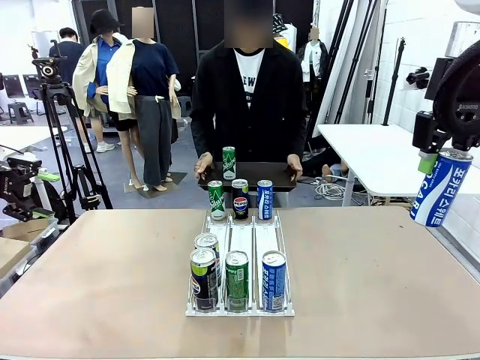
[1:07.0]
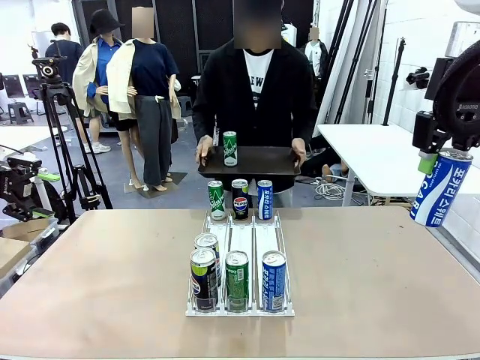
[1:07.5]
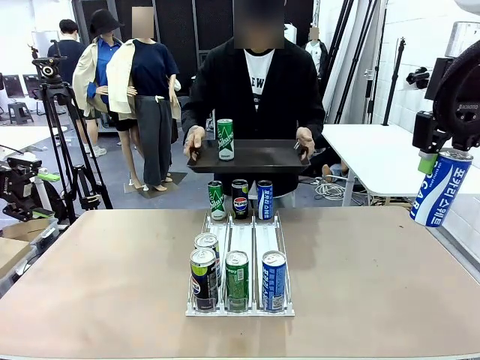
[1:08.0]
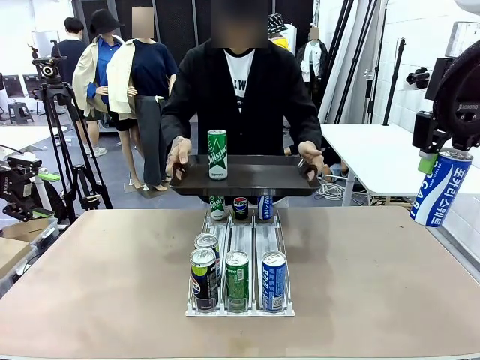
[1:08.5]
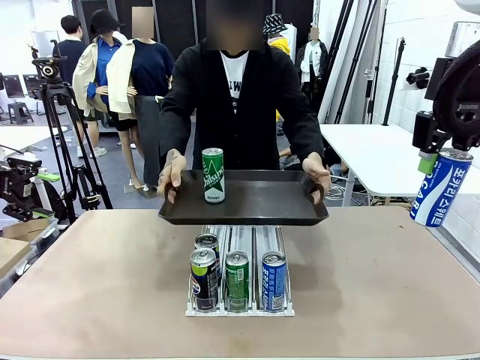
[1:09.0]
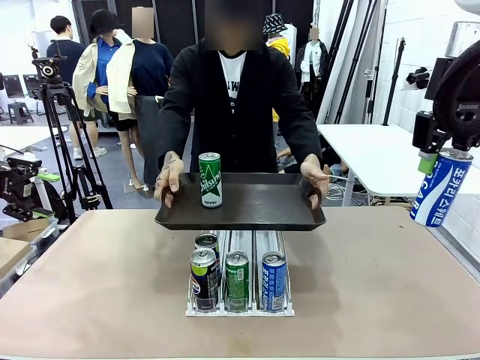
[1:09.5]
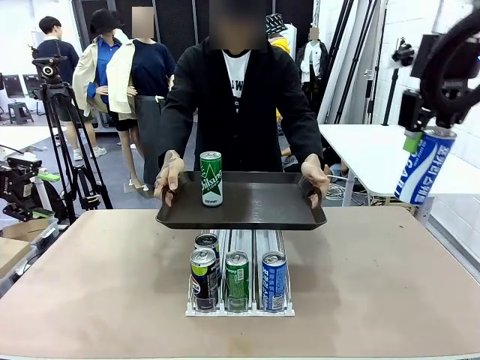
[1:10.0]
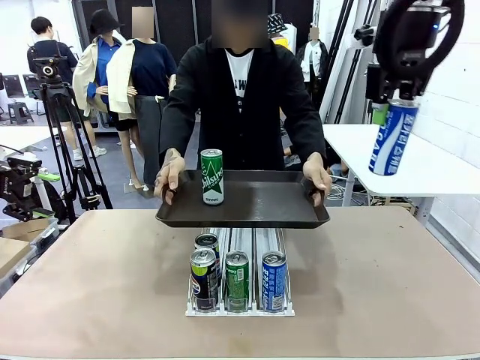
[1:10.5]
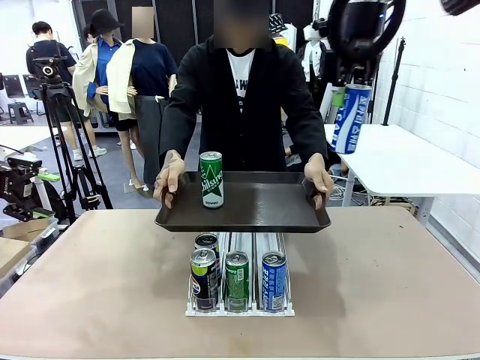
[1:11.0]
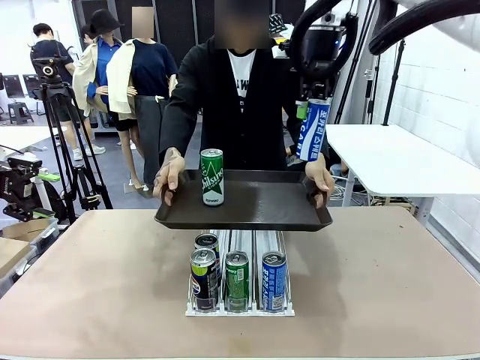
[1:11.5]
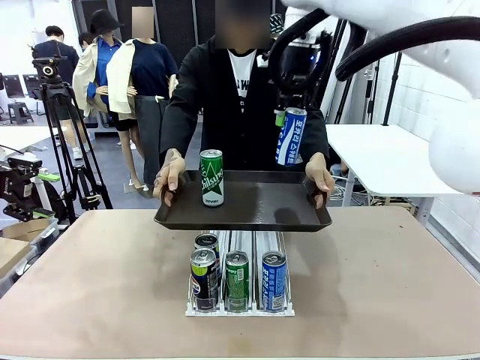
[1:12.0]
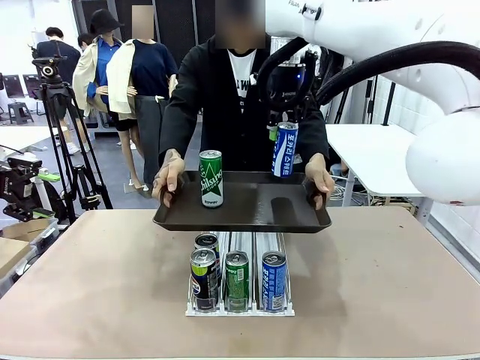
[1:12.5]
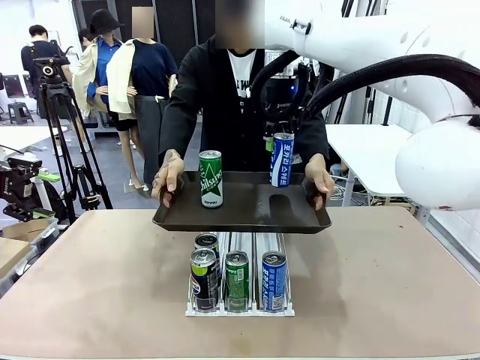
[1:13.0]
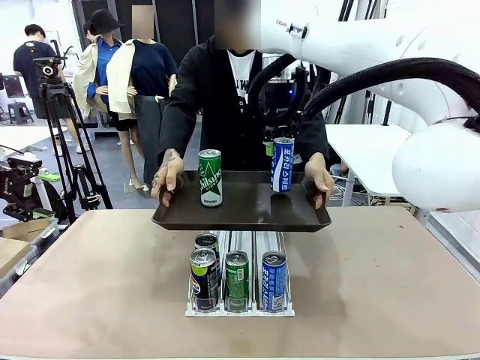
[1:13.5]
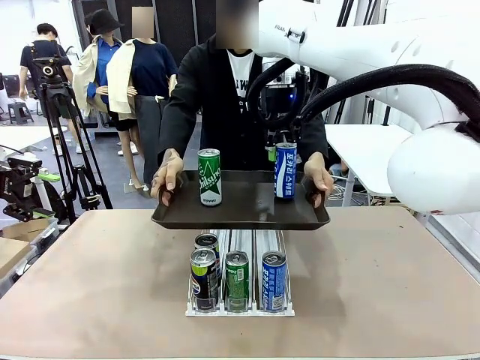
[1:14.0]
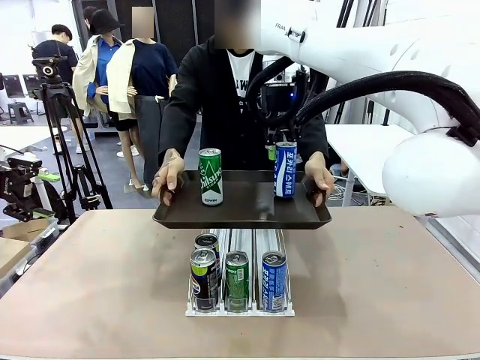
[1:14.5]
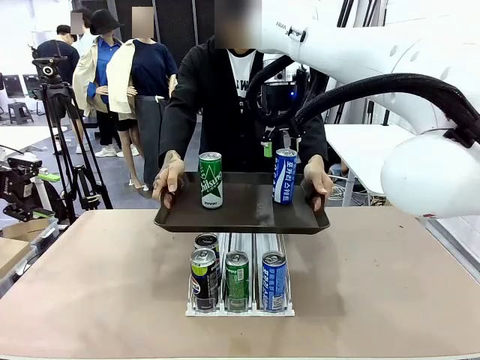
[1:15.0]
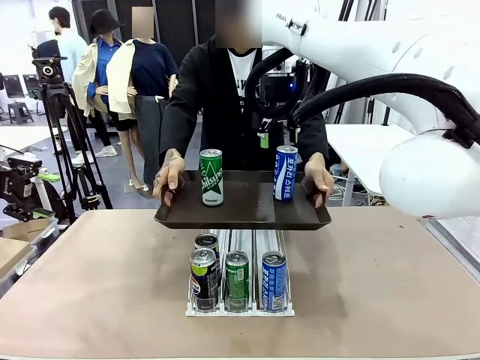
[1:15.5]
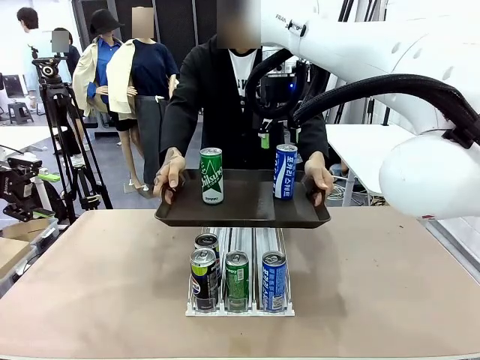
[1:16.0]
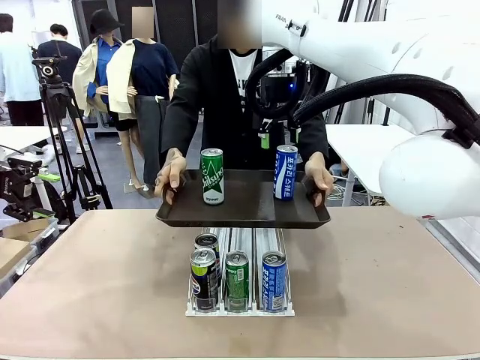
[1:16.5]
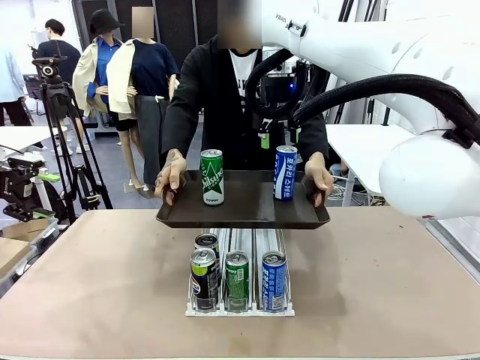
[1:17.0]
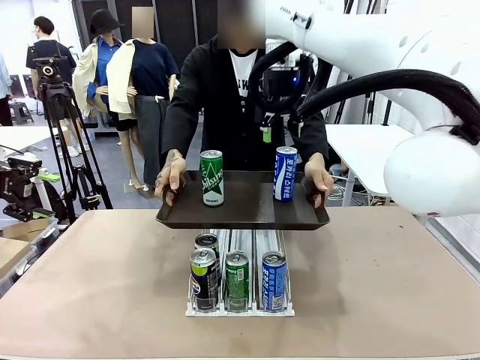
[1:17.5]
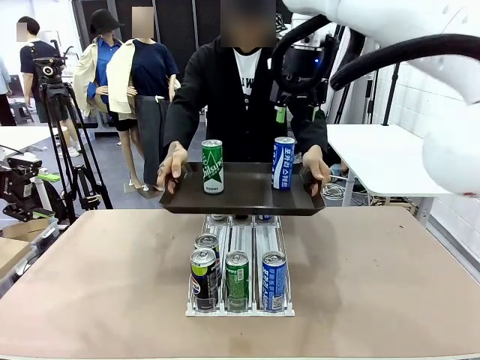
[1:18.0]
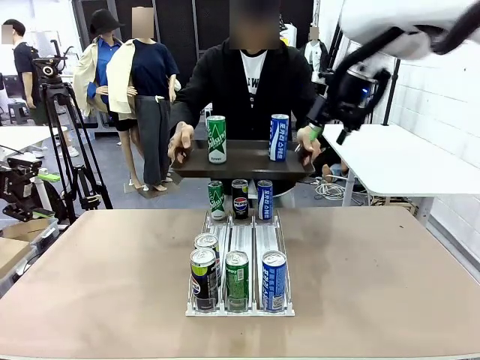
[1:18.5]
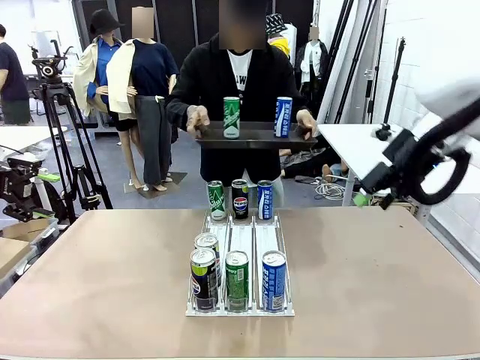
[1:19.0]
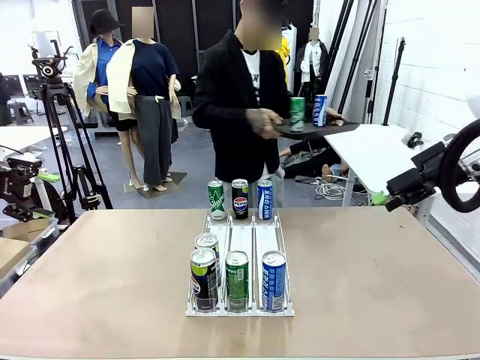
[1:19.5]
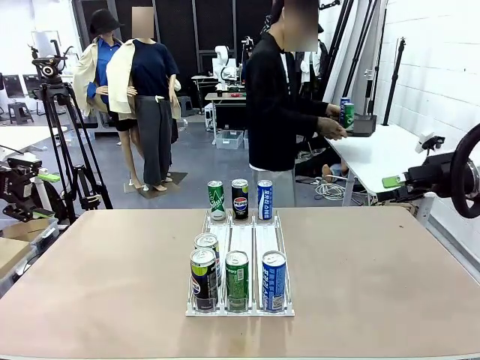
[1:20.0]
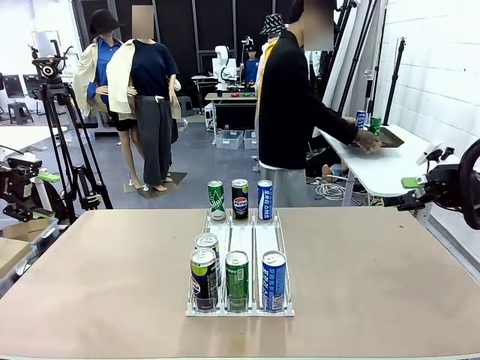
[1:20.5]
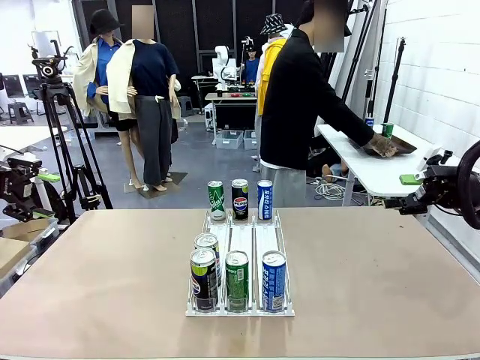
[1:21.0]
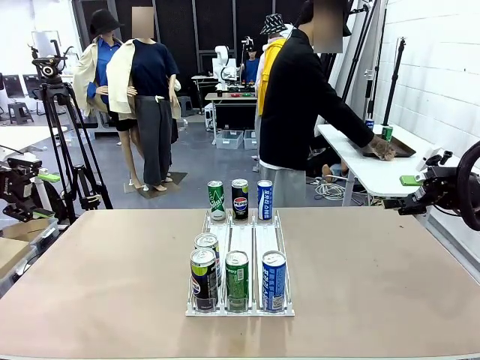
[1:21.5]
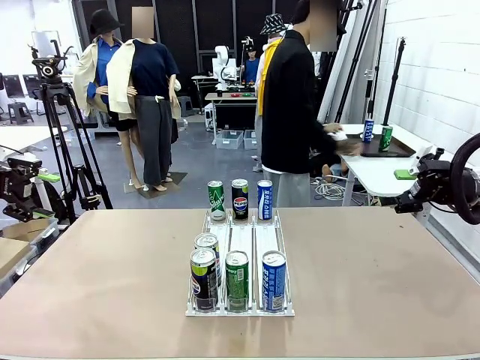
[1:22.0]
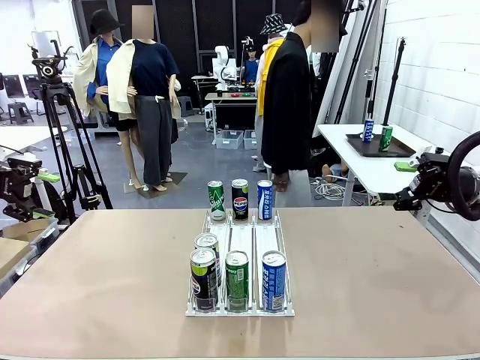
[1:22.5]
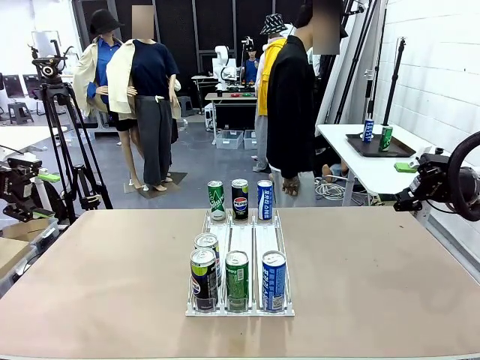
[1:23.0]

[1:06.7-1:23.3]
Task: Retrieve and hand over the desired beverage to the person.
Robot: Place the picked can on the Handle tray extended by the person.
Person: Pull the tray back and place it at the center of the human table.

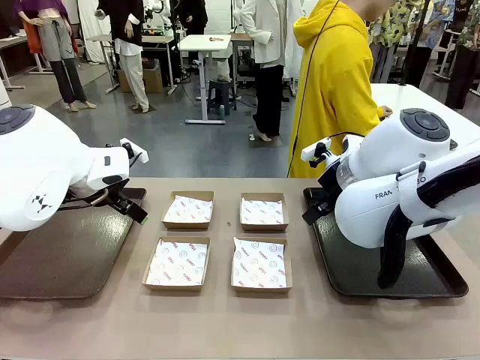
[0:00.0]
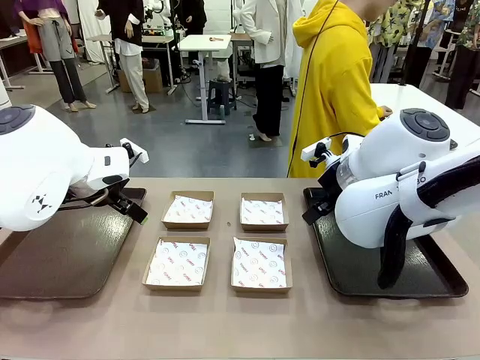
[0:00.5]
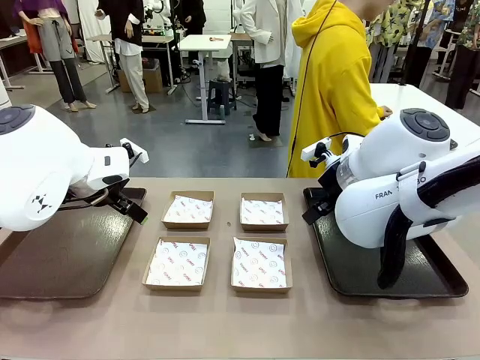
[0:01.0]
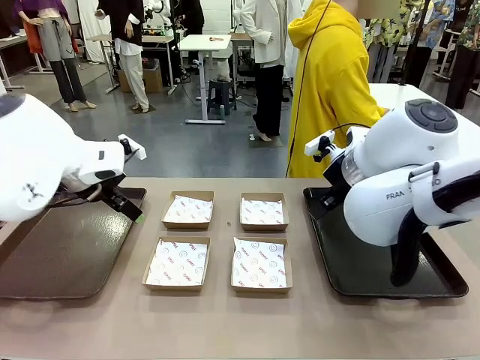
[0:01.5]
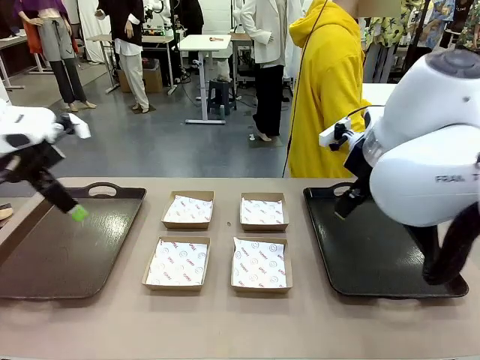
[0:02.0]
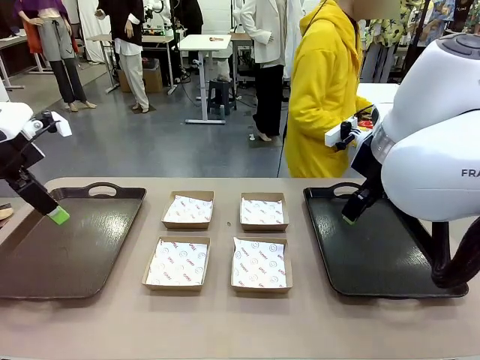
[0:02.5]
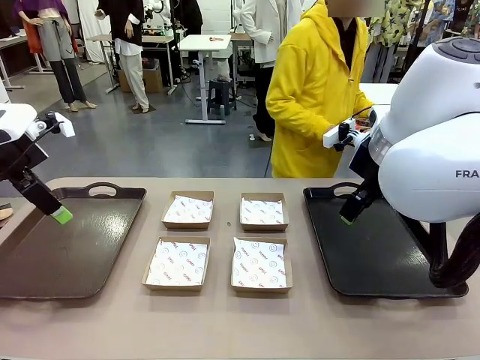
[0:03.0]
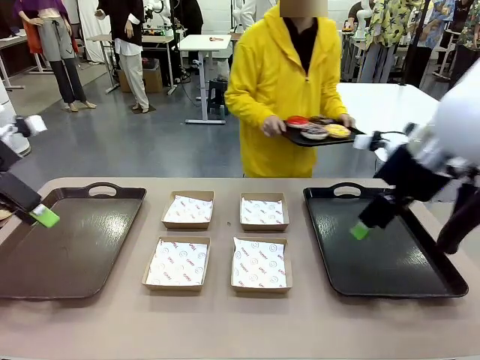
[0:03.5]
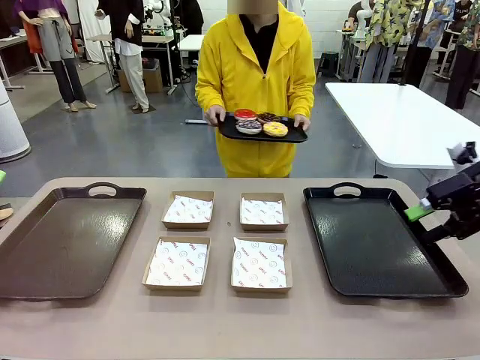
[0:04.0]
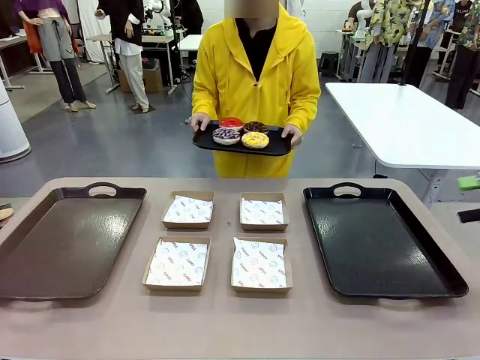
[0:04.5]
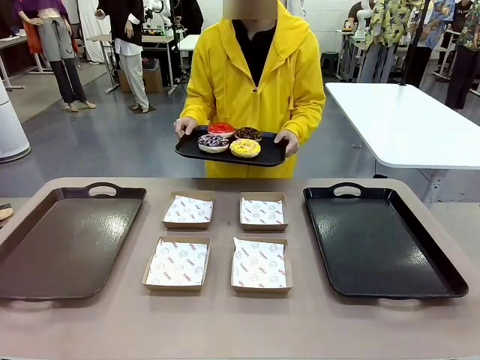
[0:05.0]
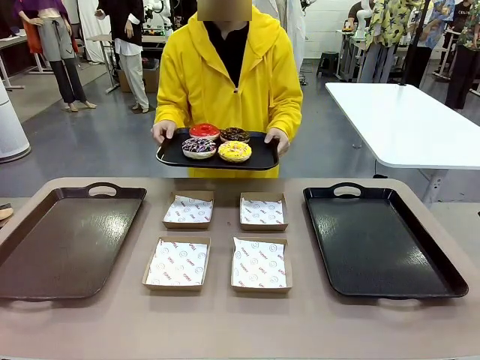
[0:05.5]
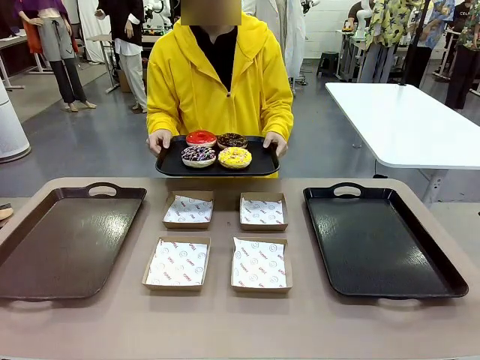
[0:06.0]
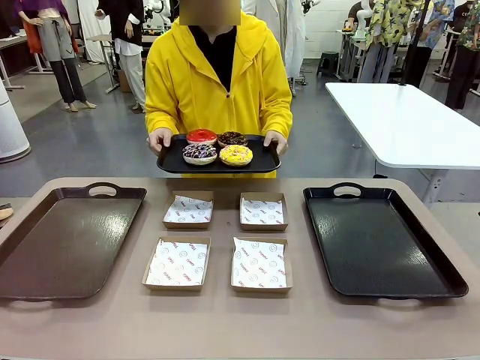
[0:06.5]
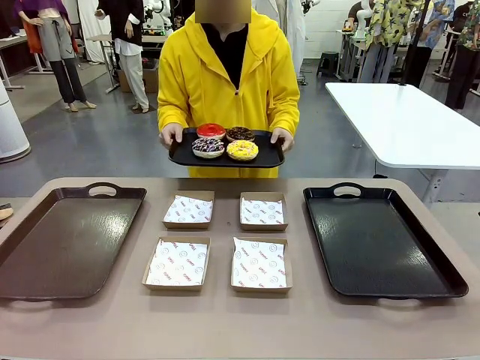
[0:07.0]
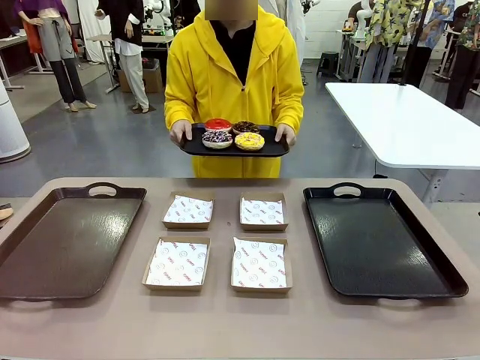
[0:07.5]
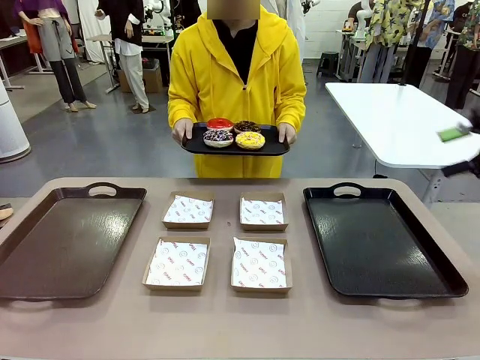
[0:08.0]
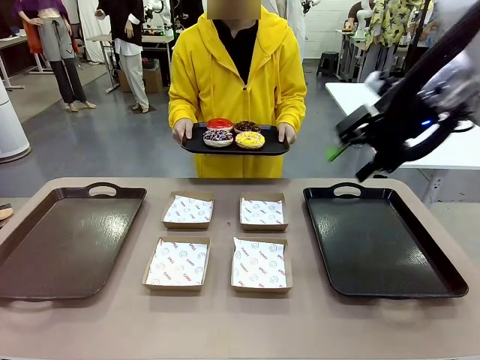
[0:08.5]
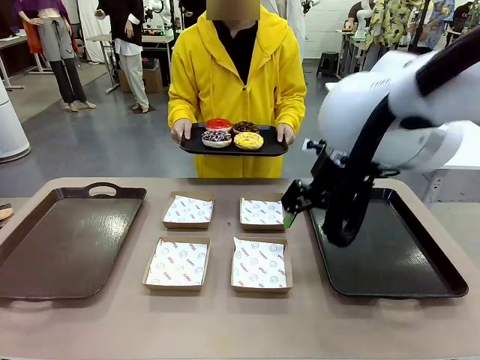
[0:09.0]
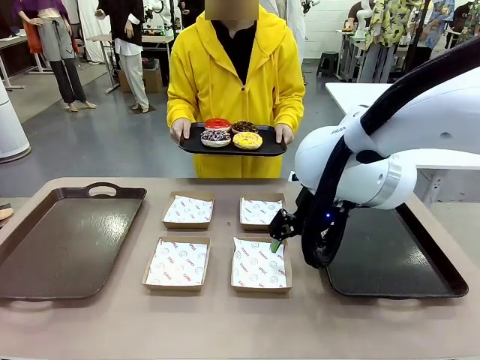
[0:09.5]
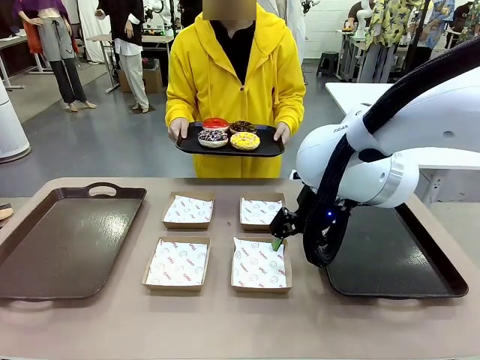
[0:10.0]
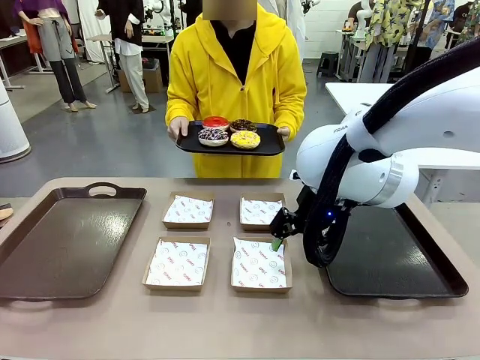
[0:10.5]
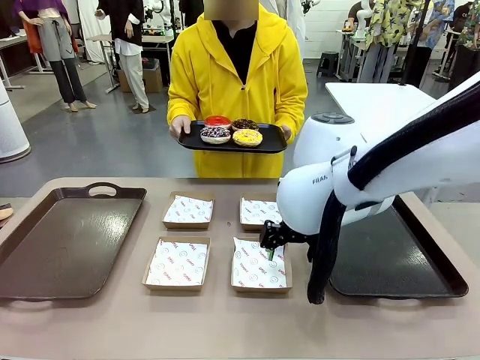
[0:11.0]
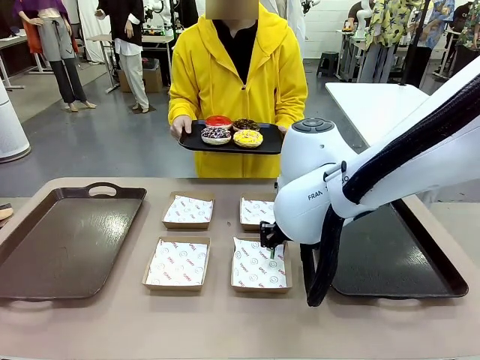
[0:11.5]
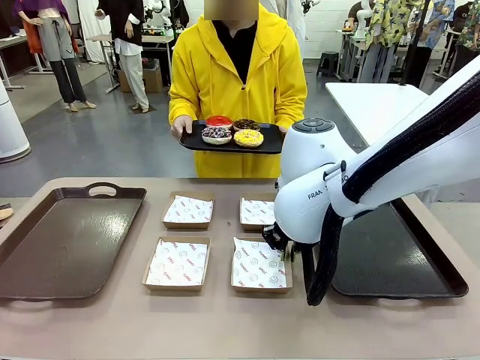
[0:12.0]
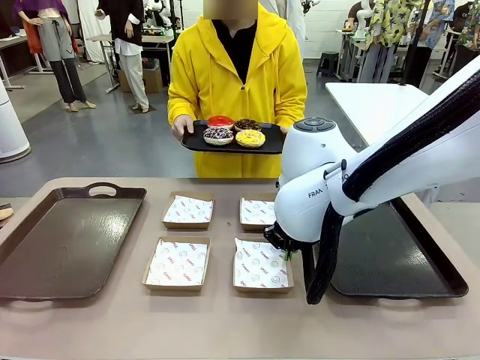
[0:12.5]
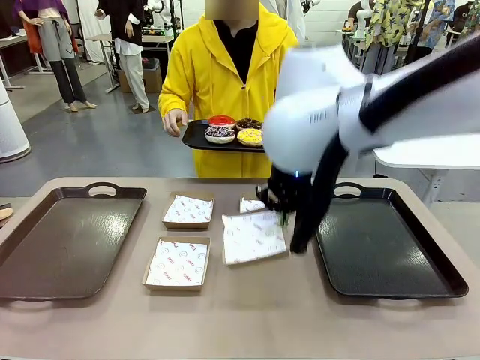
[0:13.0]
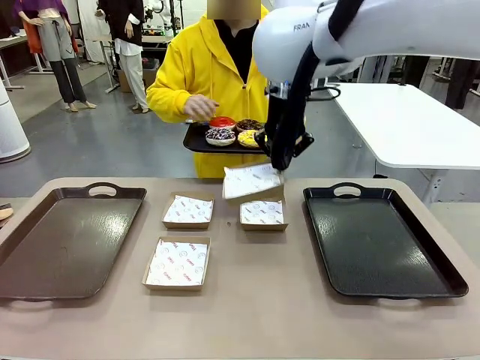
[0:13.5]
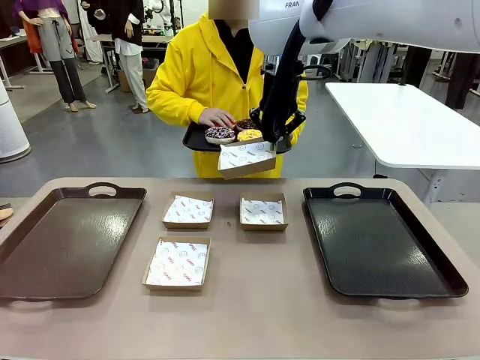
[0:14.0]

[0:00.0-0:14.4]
Task: Individually package the donuts and arrange them on the tray.
Robot: Pick up one Paper togo box.
Person: Stand in front of the robot table holding the tray containing the donuts.
